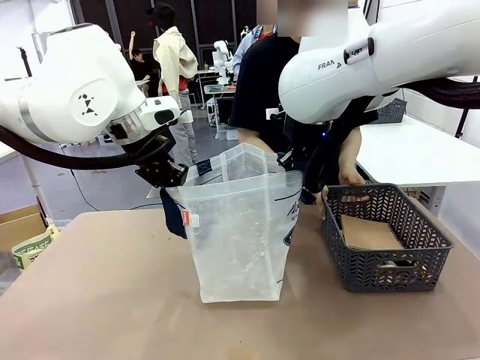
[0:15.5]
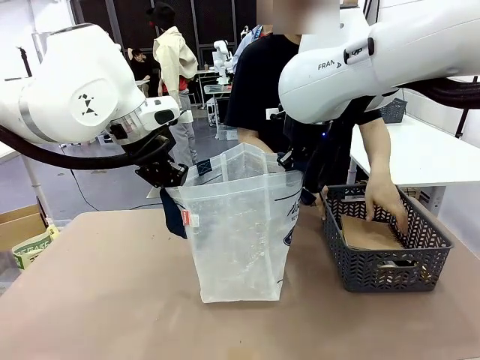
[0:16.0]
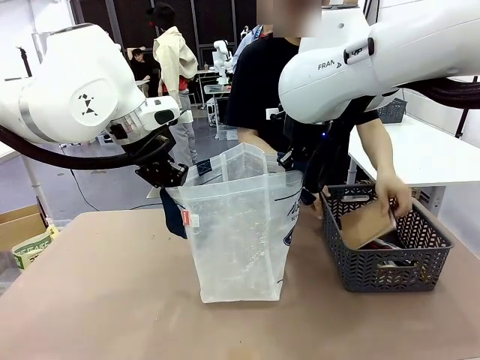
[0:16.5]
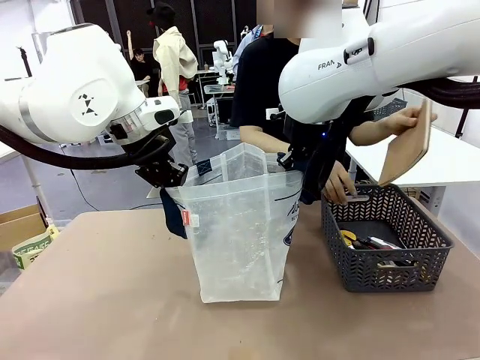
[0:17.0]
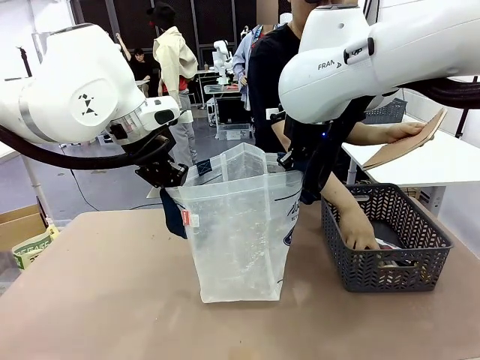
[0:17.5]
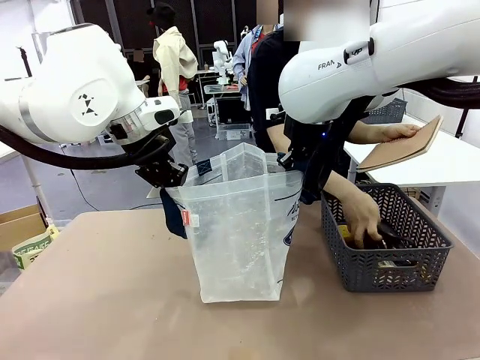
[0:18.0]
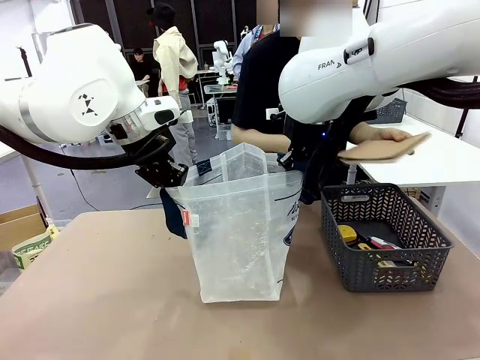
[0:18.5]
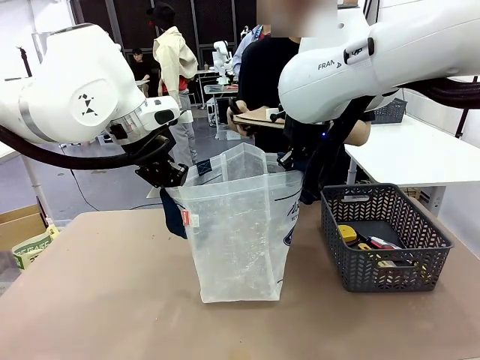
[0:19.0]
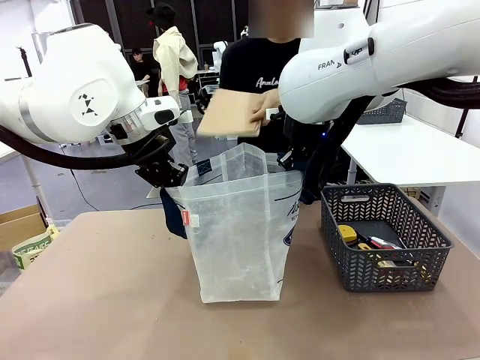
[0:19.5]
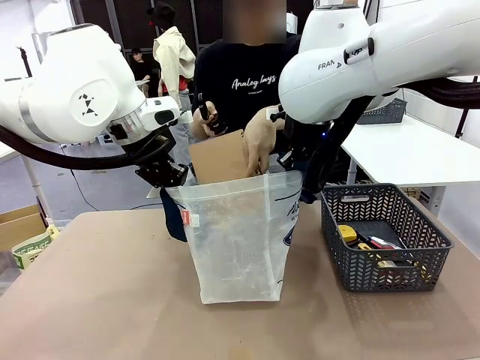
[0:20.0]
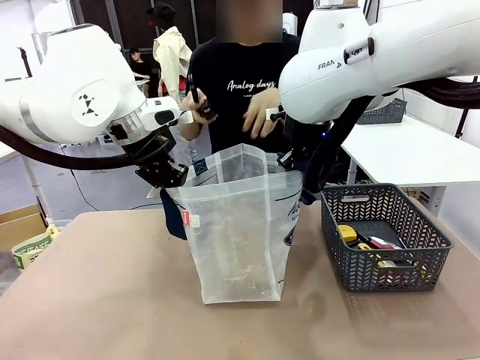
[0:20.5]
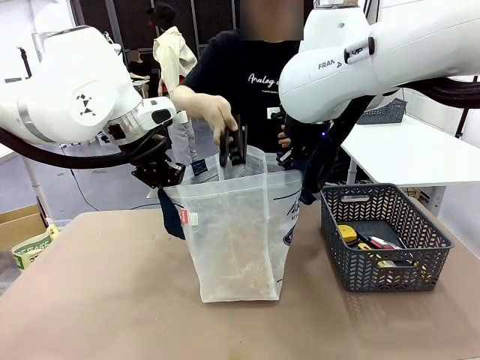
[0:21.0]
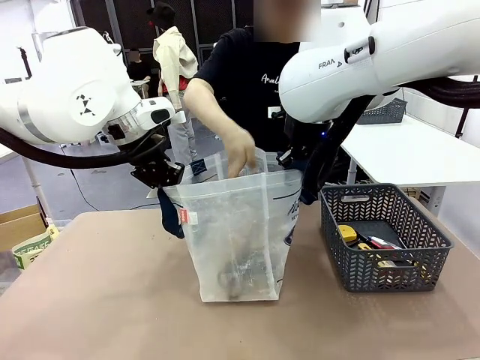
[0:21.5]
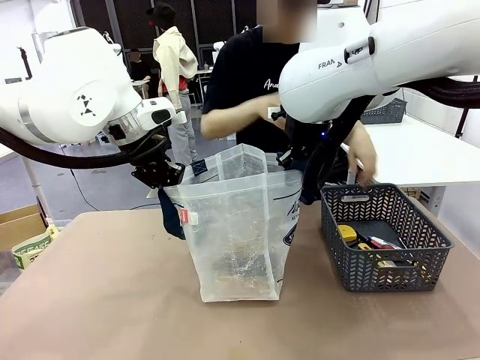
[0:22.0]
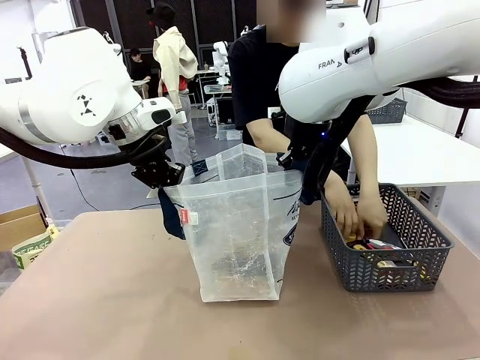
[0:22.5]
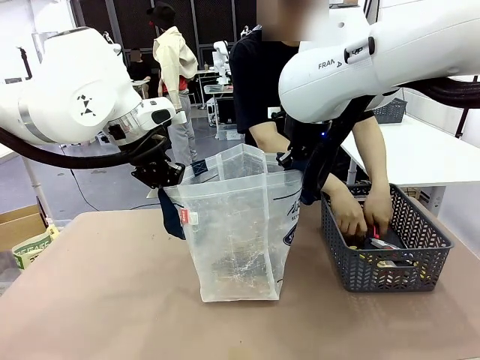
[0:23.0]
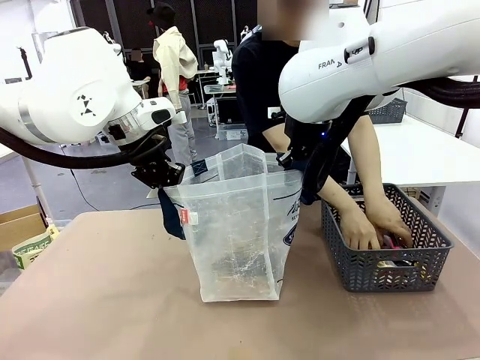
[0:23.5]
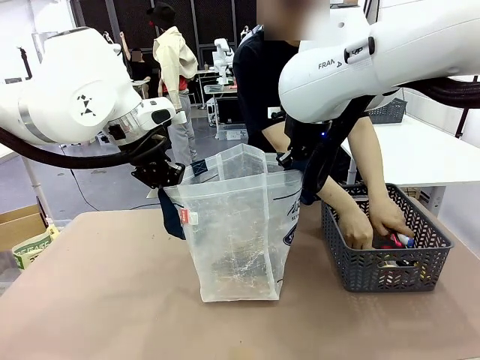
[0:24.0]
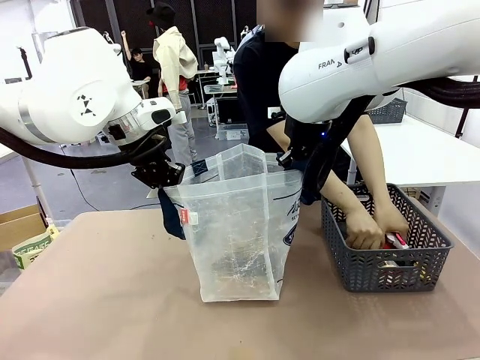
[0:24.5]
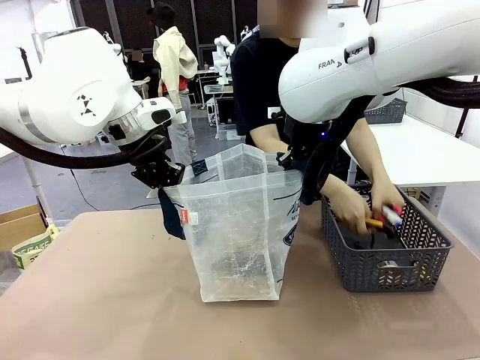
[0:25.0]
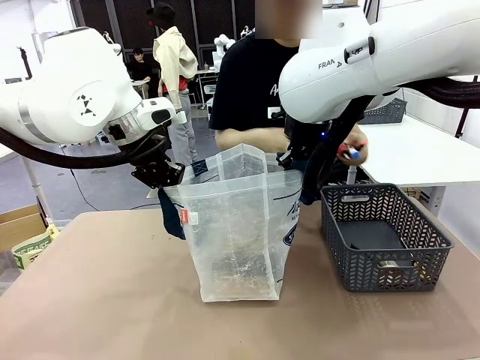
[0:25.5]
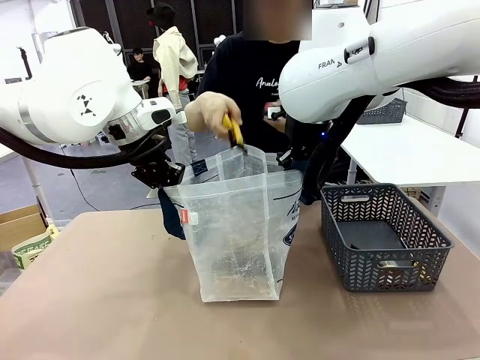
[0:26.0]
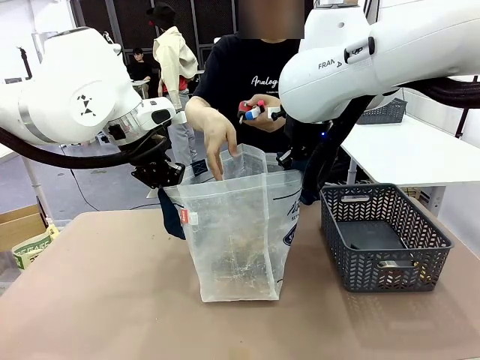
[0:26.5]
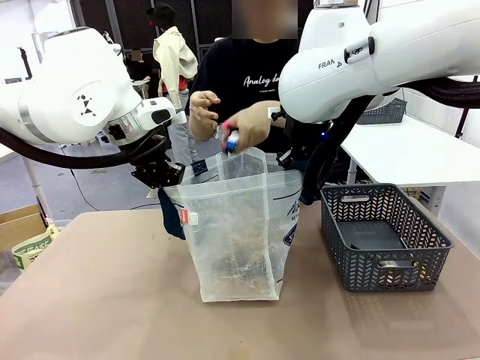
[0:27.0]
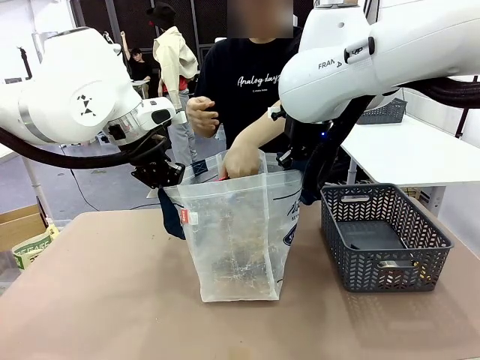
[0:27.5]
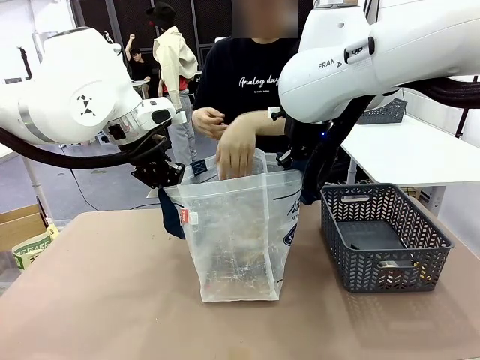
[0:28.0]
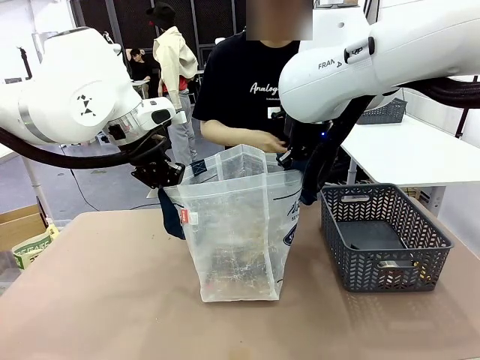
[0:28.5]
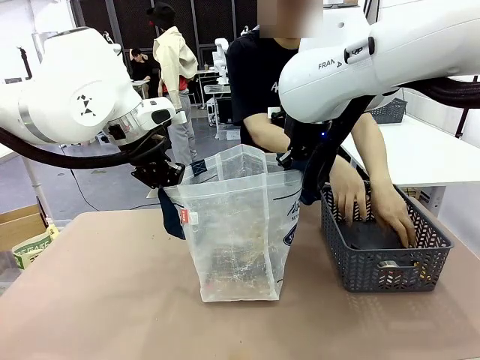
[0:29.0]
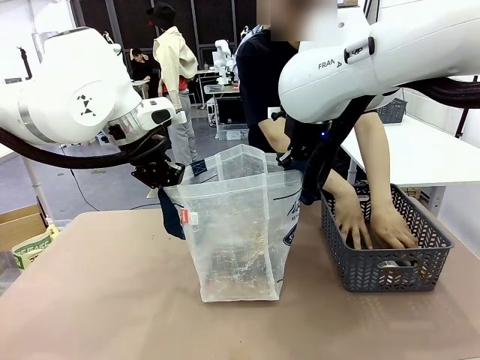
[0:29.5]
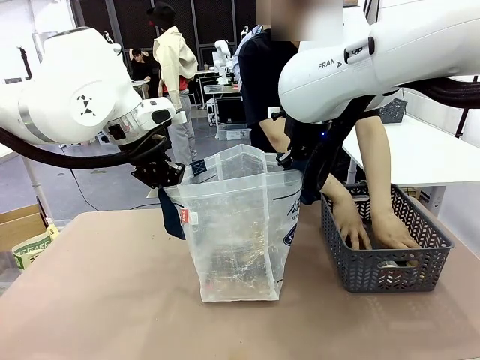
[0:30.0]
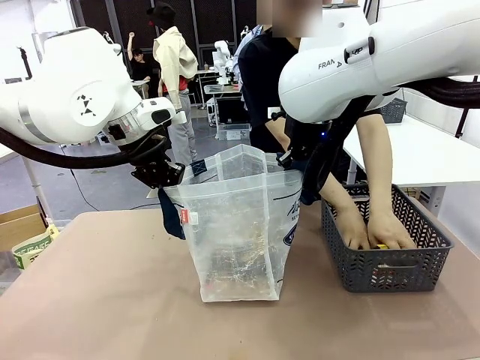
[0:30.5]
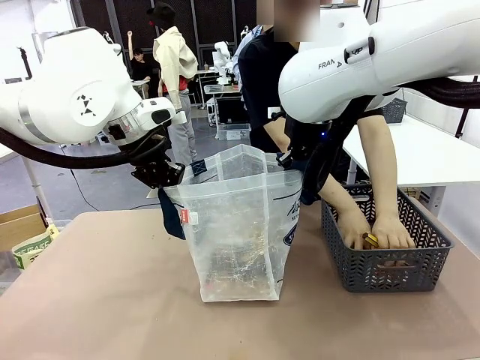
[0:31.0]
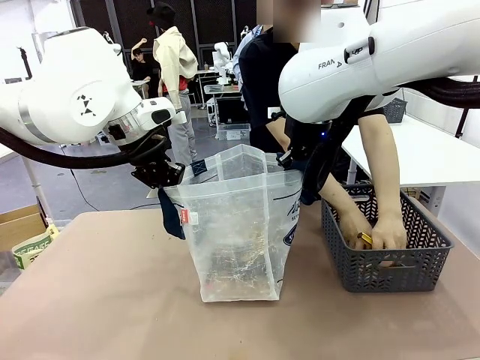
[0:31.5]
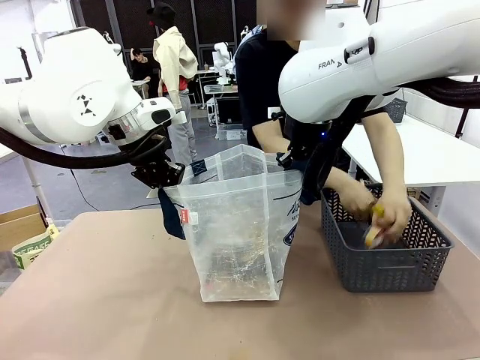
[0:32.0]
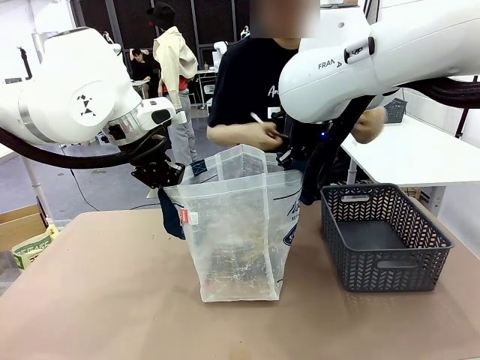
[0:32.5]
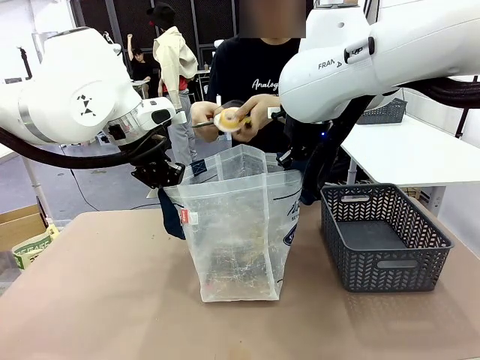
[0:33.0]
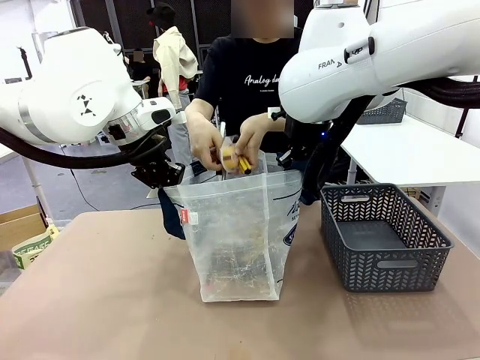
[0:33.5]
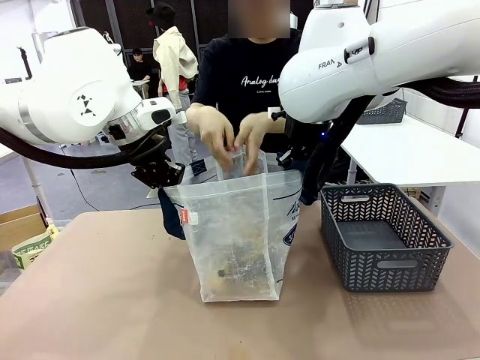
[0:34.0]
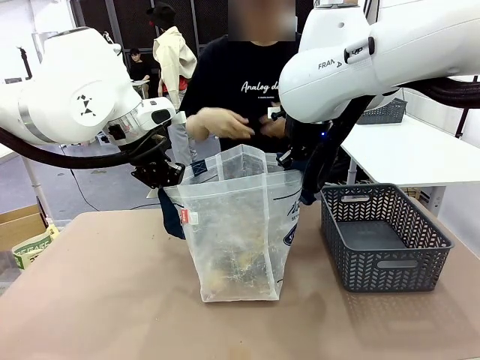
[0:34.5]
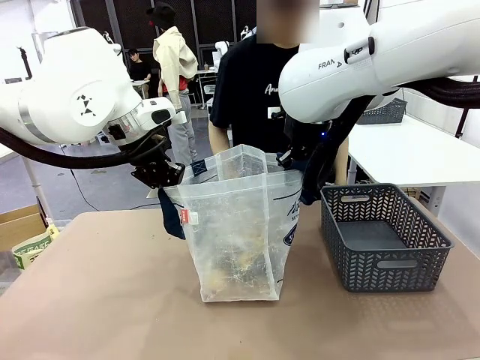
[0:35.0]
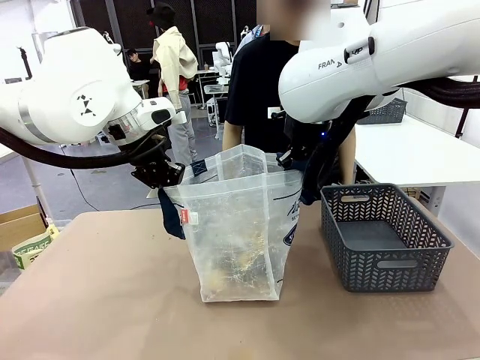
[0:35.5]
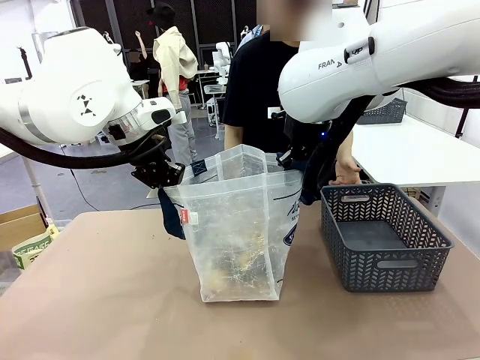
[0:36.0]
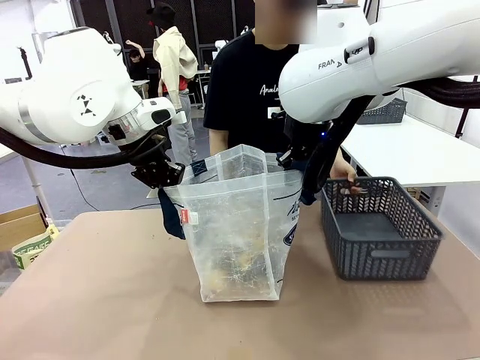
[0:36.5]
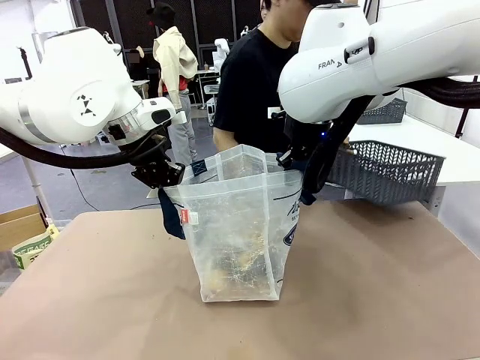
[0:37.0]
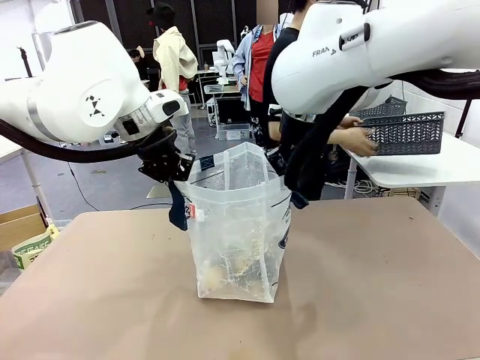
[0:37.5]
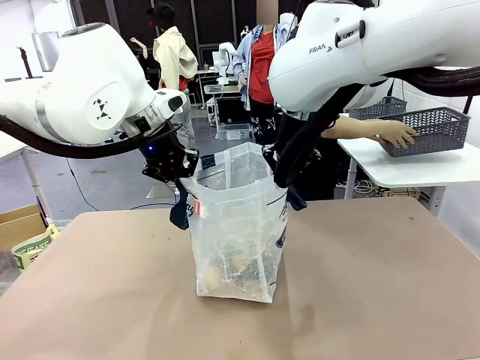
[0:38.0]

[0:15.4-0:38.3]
Task: Transfer purchased items from the store into the shopping bag.
Robot: Move the Reusable shopping bag to the right side of the table.
Person: Pick up the basket on the right, place it on the left side of the robot table, and move the items in the basket to the shopping bag. Pick up the basket with the items out and place it on the right side of the human table.
